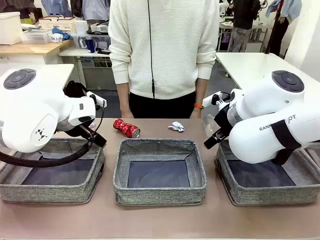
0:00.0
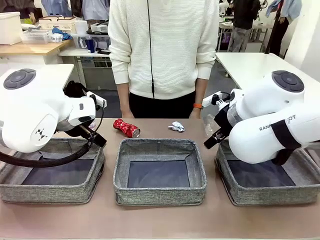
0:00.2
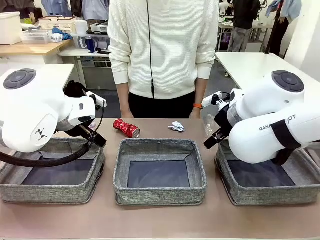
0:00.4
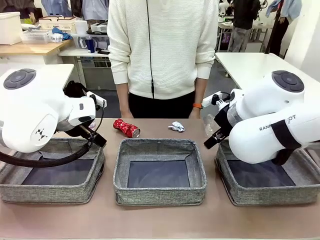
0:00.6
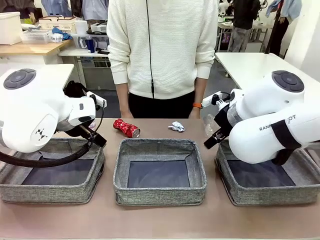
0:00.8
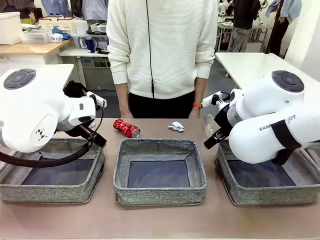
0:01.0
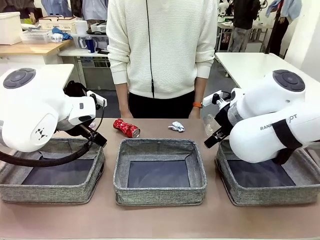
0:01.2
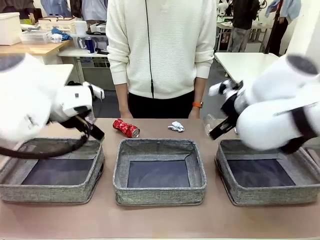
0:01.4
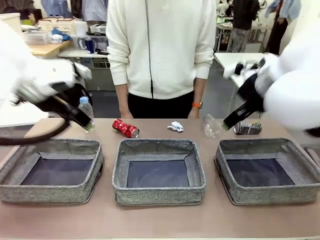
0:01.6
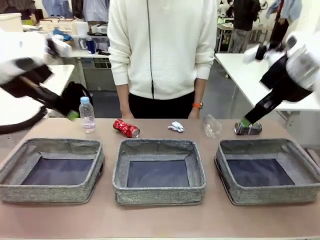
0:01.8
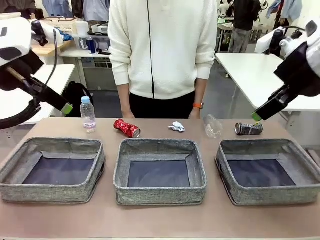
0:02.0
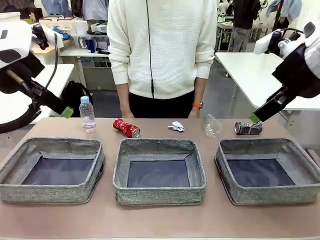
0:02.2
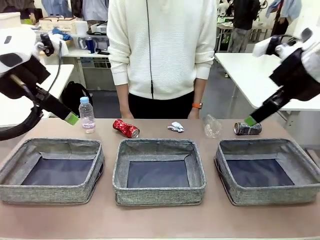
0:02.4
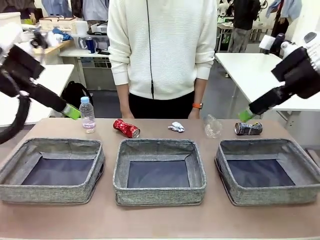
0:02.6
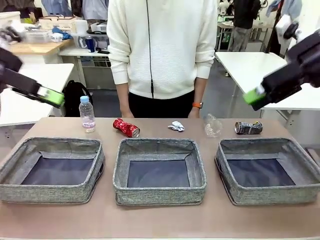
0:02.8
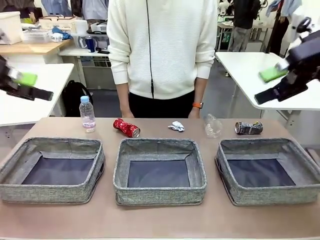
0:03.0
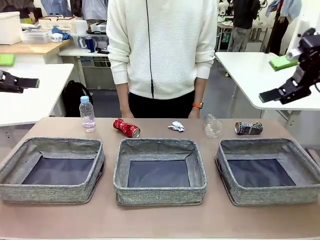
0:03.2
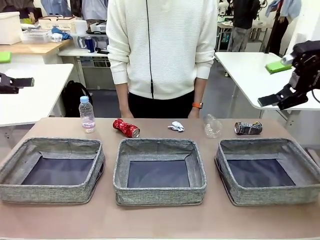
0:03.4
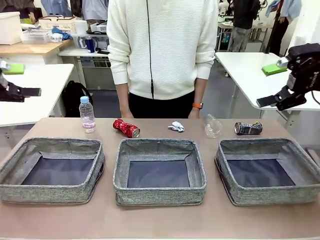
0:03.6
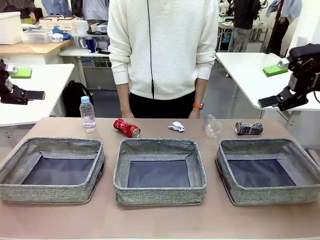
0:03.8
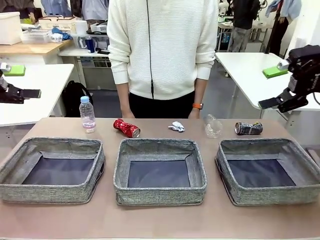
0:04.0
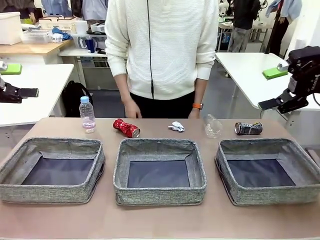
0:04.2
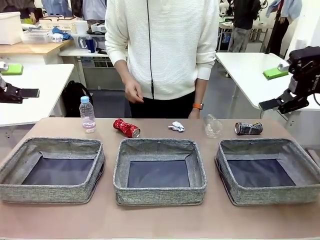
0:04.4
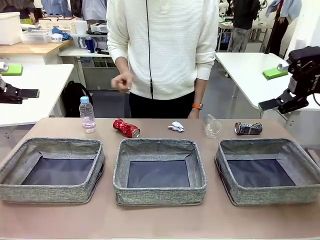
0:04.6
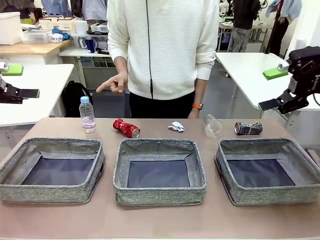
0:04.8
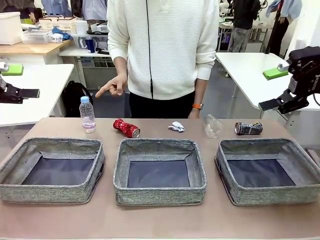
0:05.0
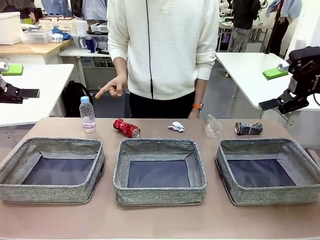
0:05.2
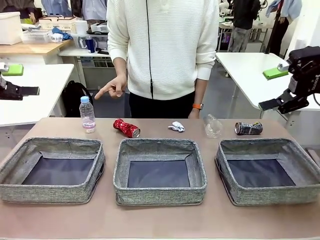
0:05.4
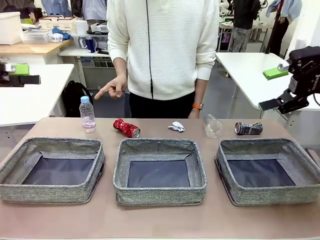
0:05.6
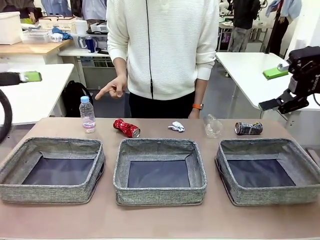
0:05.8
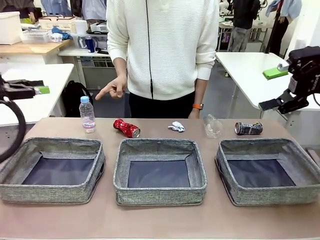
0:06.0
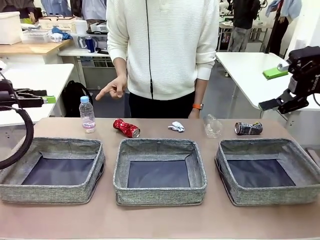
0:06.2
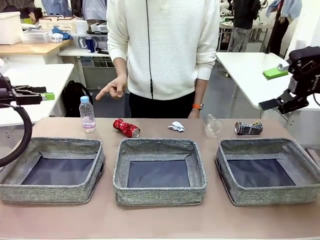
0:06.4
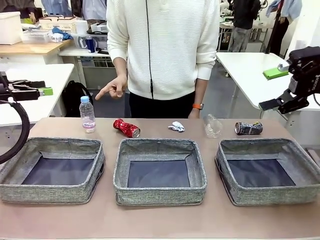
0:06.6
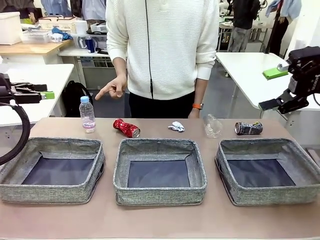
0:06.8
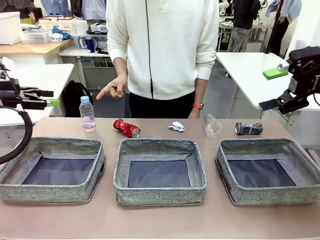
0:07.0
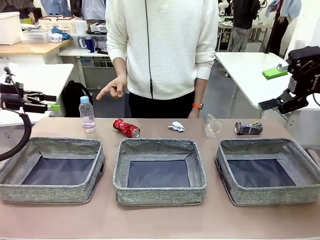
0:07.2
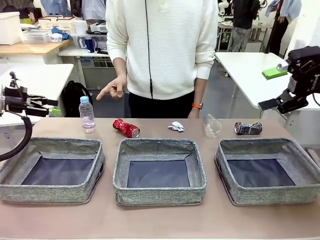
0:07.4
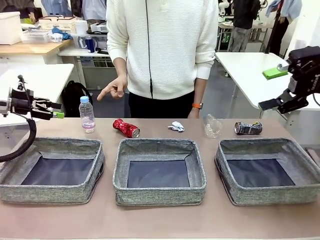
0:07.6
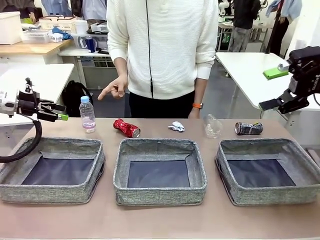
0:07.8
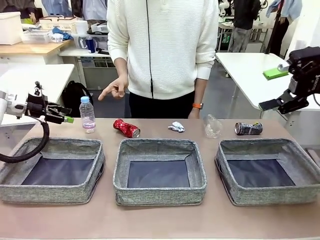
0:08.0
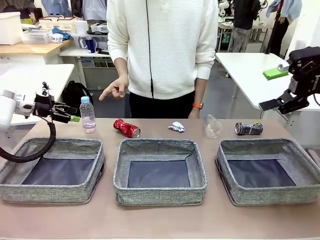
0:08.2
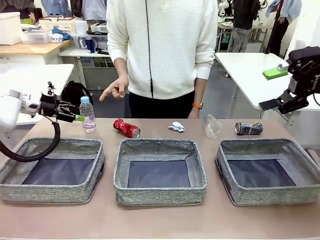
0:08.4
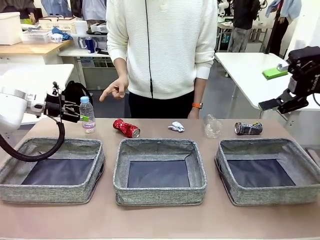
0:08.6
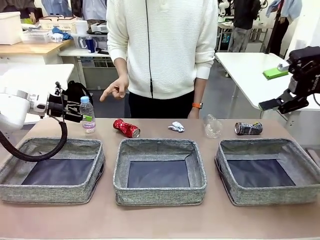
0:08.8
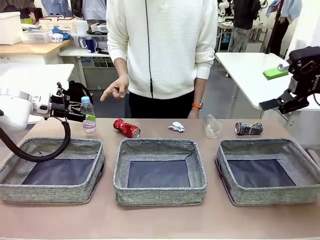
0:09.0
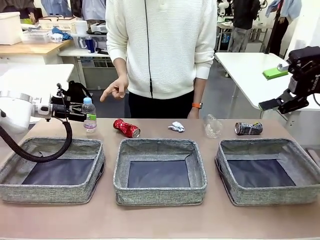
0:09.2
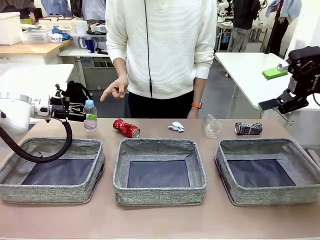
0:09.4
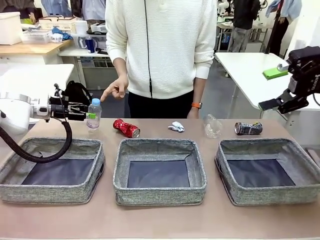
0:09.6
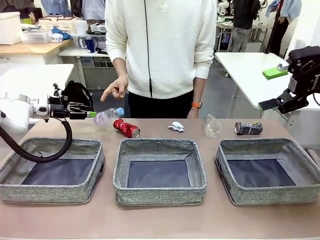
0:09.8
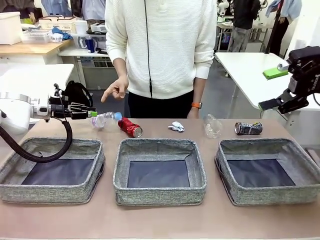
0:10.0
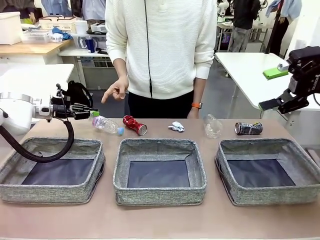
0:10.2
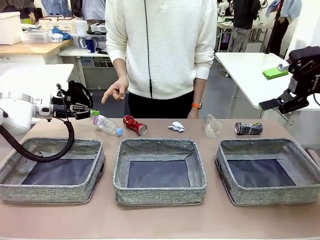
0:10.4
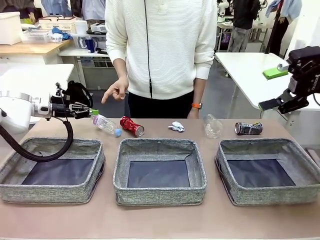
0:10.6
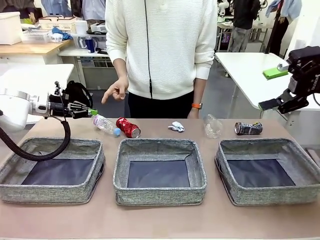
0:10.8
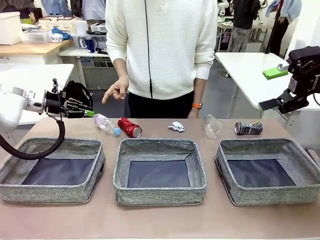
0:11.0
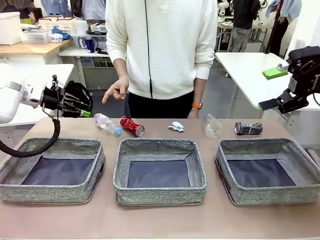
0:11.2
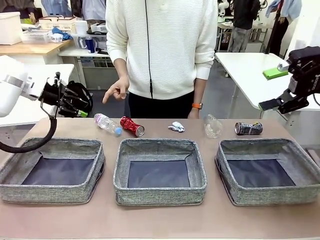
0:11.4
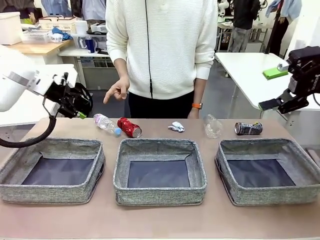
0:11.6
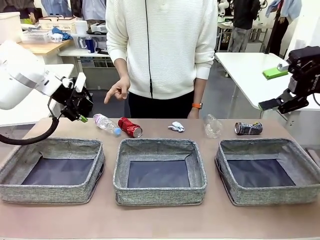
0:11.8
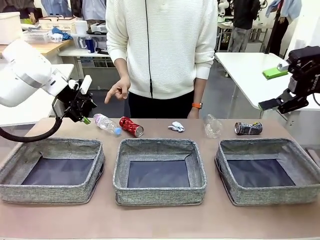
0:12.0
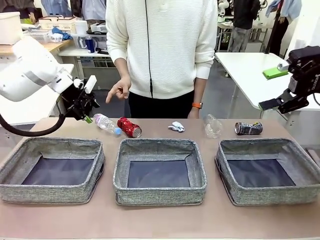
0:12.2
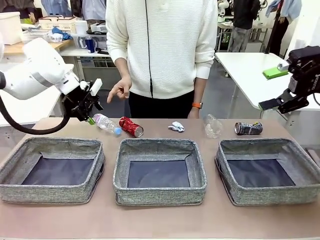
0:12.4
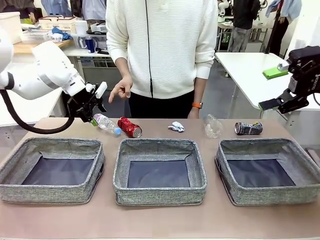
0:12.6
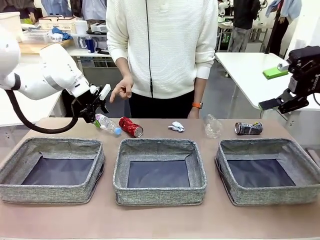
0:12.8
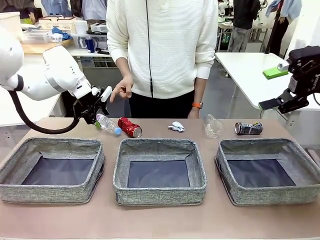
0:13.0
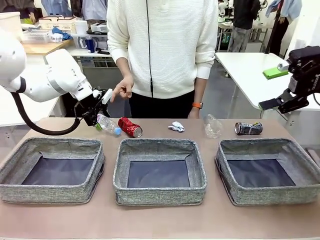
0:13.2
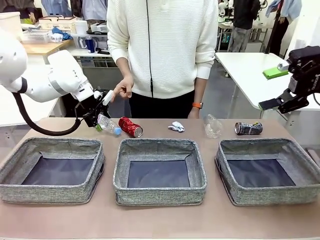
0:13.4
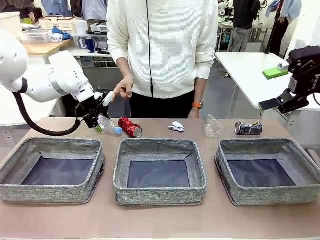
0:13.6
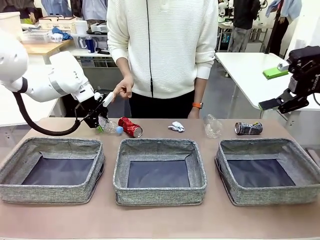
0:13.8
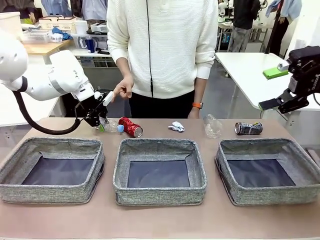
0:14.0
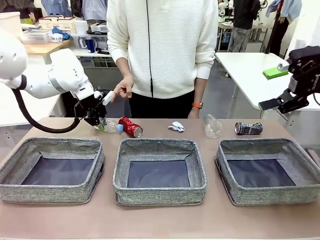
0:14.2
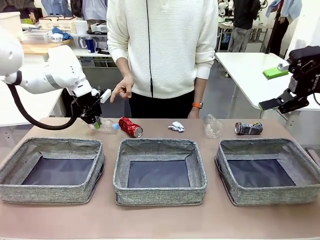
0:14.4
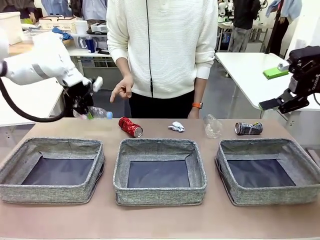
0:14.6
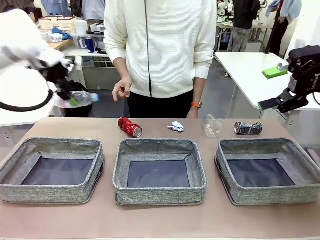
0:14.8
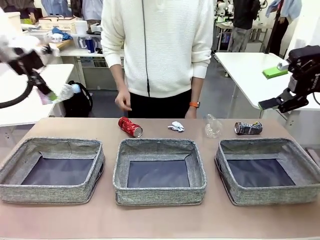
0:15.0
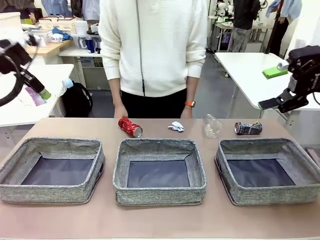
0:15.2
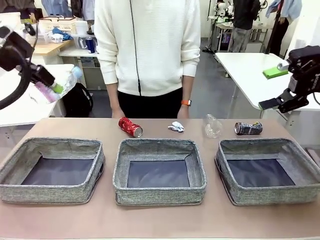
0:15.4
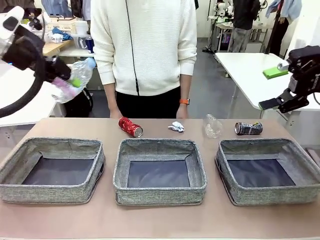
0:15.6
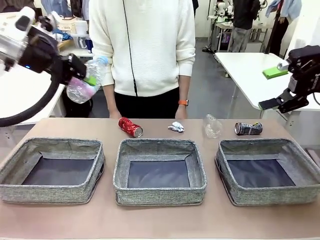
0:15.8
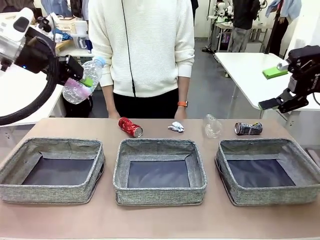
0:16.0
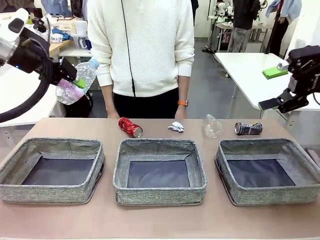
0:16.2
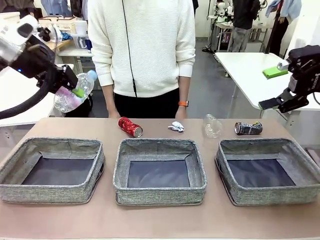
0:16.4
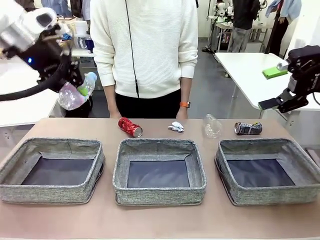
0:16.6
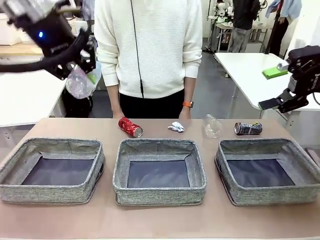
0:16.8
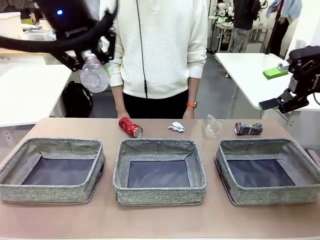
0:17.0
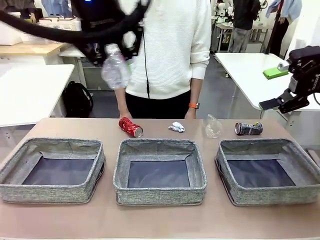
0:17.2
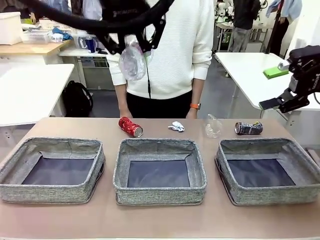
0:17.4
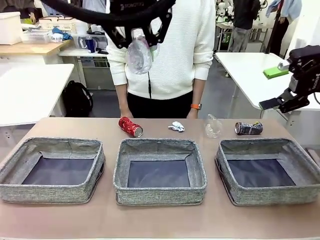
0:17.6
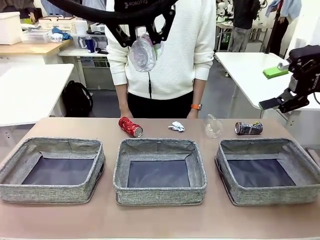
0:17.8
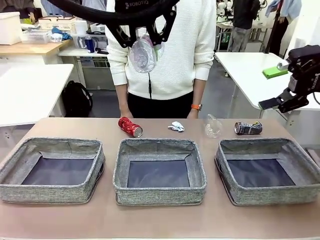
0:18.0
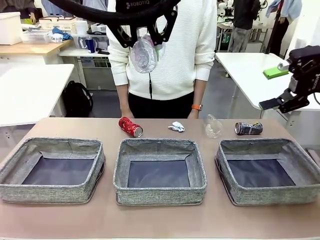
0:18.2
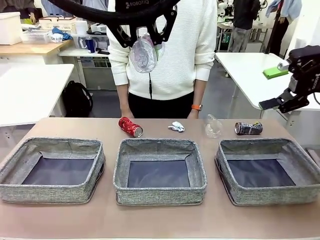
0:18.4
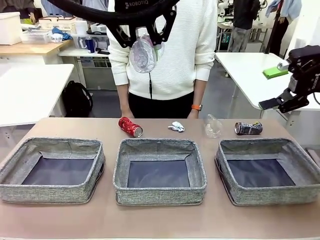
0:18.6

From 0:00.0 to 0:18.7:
Task: Sort the waste into the appropriate baskets.
Robot: Pick up the waste item pointed out by the person.
Person: Points to one piece of trash on the table.

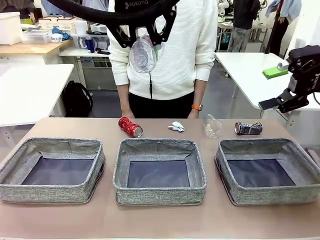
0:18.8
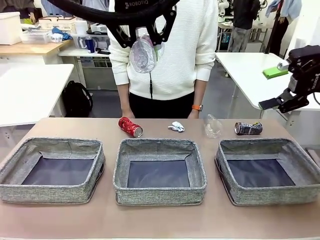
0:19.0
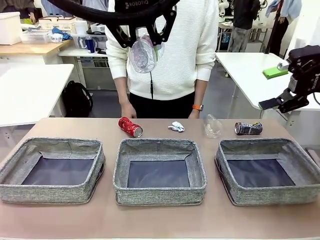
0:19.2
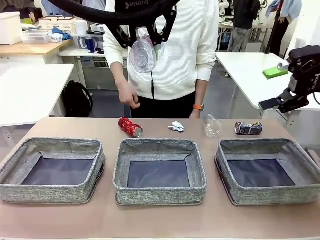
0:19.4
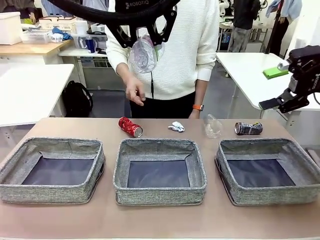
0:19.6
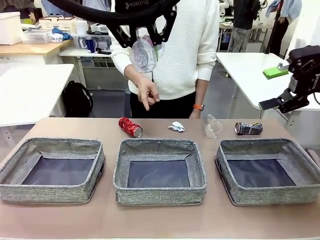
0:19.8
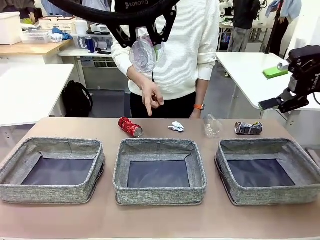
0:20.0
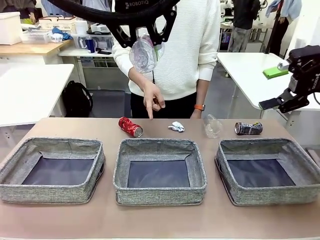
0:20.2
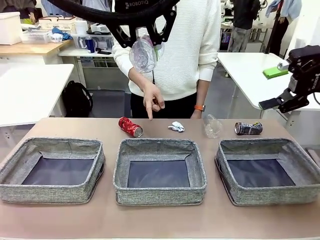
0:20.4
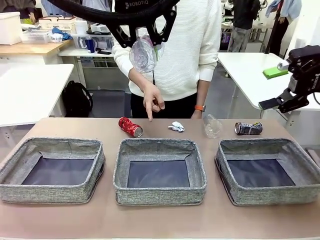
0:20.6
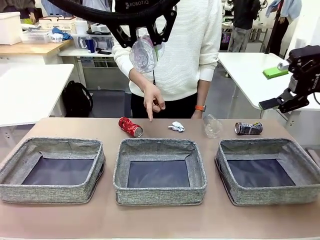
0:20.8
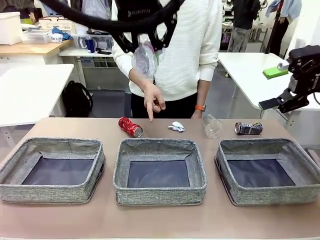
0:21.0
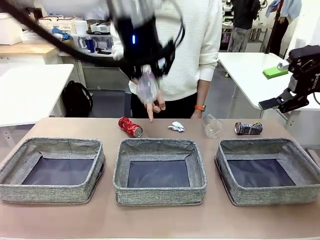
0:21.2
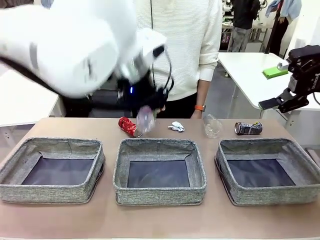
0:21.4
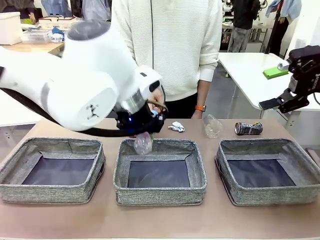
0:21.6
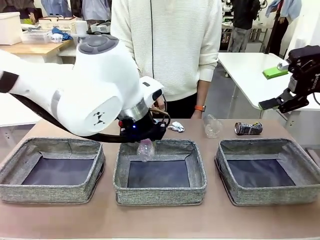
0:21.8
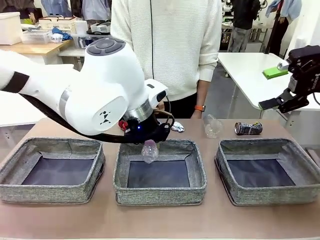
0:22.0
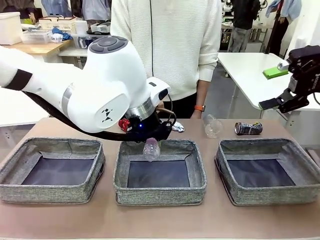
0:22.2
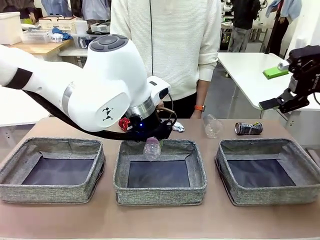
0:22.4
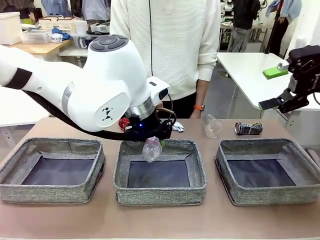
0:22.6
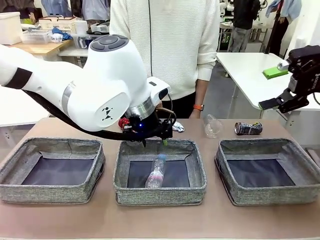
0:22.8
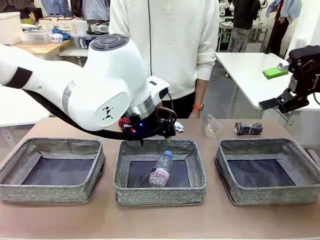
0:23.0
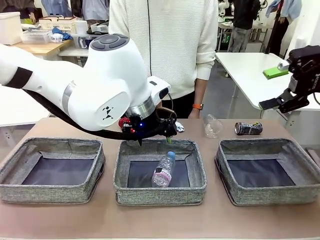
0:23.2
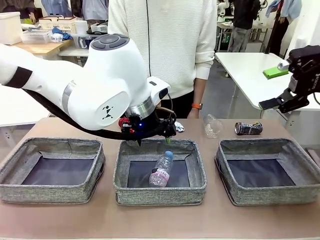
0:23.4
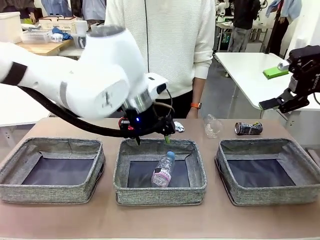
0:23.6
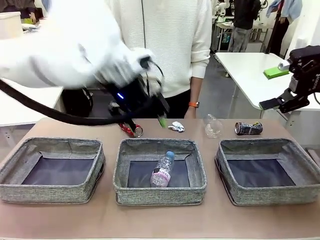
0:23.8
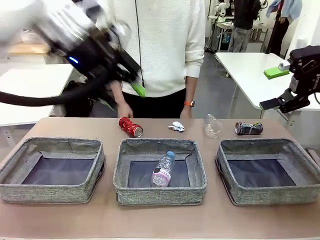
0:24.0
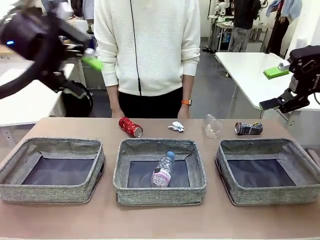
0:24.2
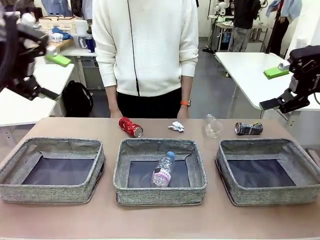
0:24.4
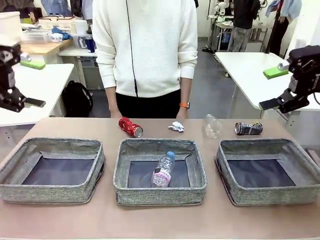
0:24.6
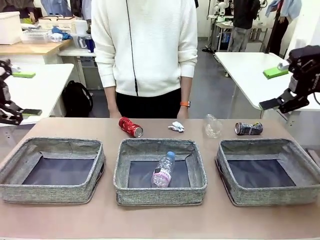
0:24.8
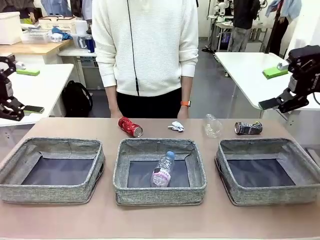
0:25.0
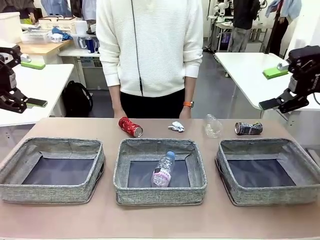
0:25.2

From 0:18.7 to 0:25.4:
Robot: Place the picked waste into the Fabric basket indicated by the person.
Person: Instructs the robot to place the picked-up trash into the appropriate organizing basket.
